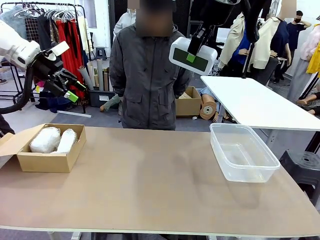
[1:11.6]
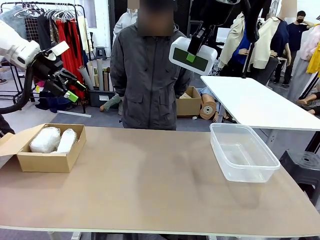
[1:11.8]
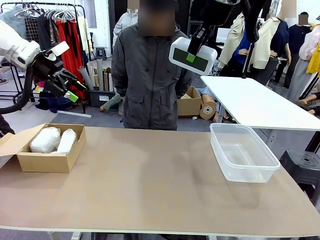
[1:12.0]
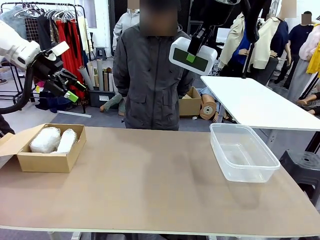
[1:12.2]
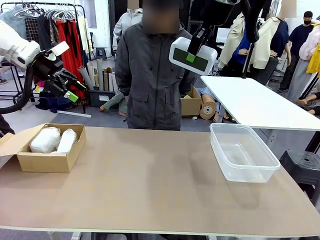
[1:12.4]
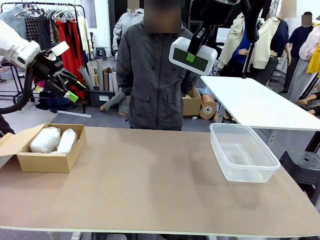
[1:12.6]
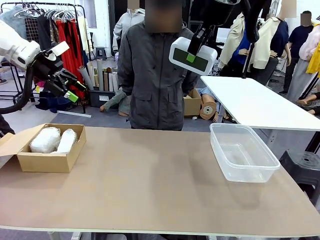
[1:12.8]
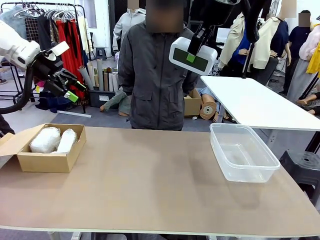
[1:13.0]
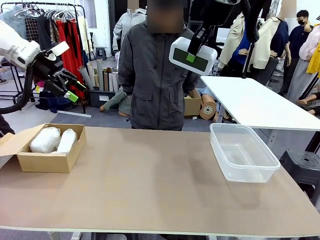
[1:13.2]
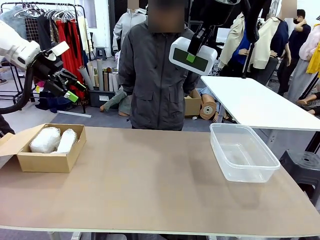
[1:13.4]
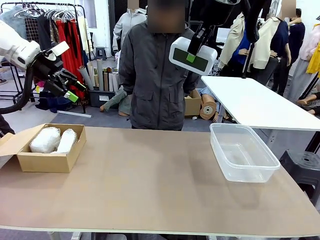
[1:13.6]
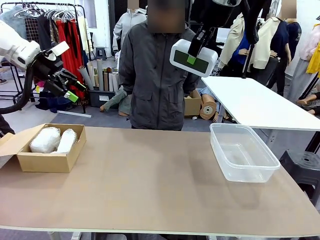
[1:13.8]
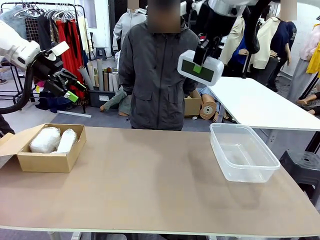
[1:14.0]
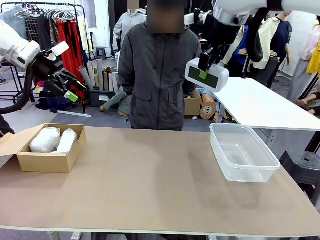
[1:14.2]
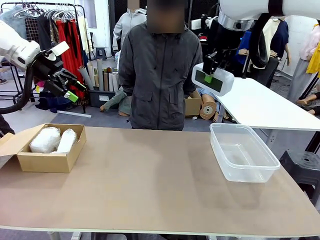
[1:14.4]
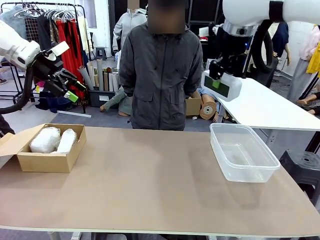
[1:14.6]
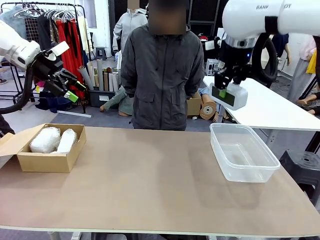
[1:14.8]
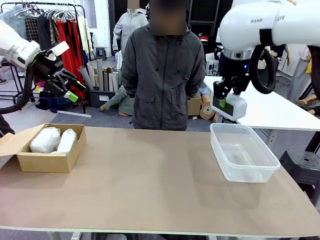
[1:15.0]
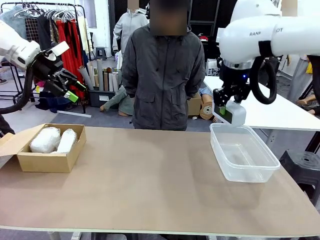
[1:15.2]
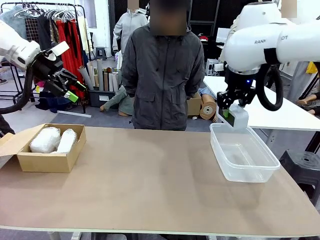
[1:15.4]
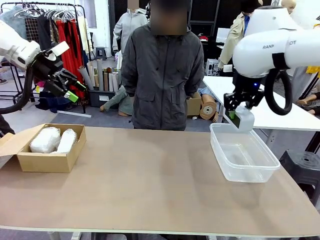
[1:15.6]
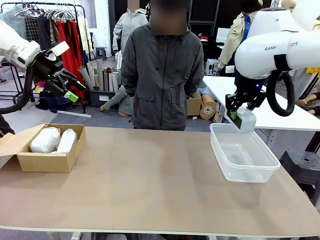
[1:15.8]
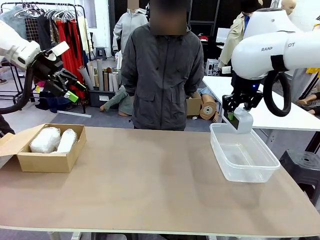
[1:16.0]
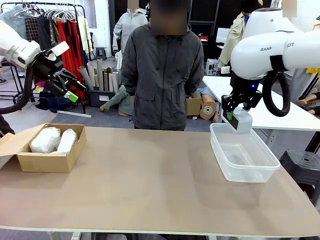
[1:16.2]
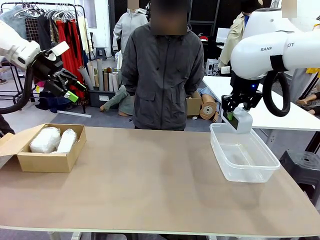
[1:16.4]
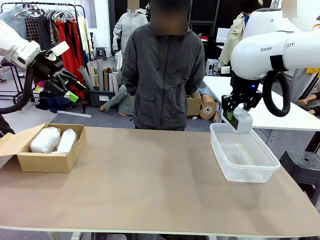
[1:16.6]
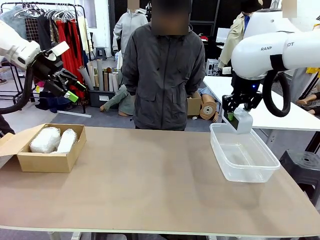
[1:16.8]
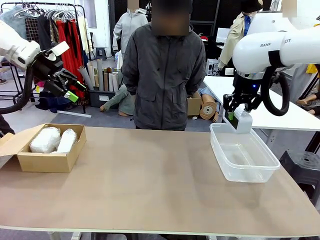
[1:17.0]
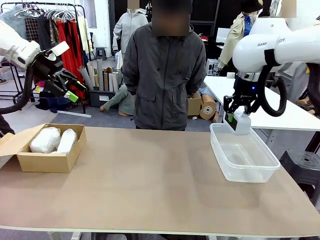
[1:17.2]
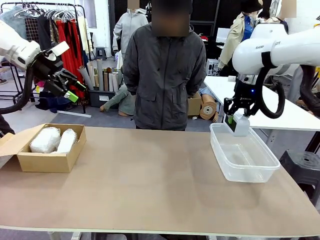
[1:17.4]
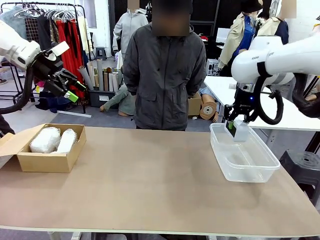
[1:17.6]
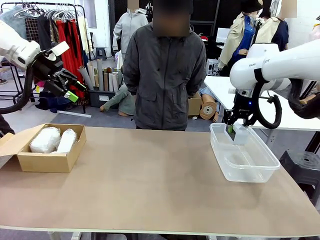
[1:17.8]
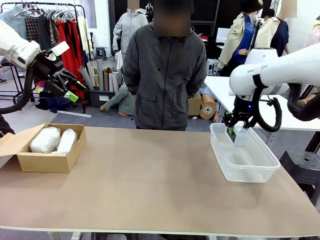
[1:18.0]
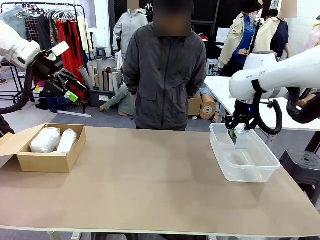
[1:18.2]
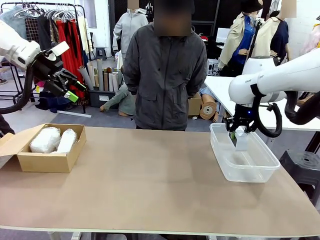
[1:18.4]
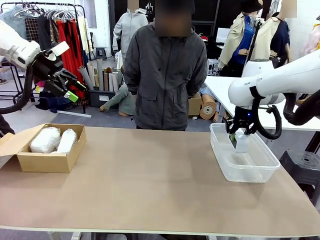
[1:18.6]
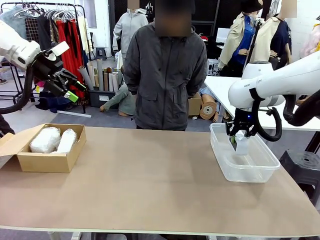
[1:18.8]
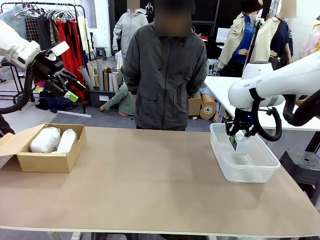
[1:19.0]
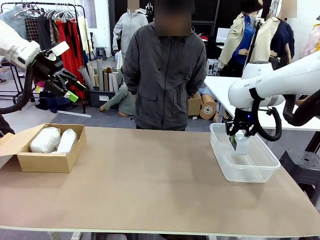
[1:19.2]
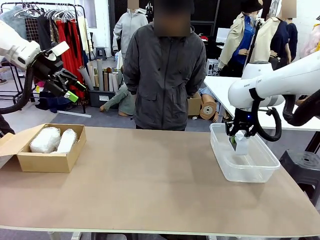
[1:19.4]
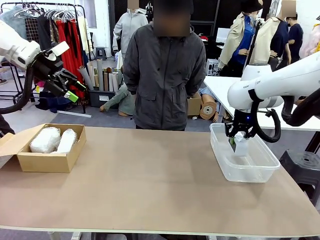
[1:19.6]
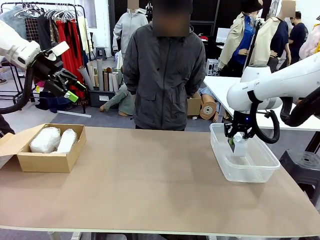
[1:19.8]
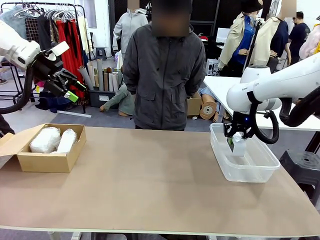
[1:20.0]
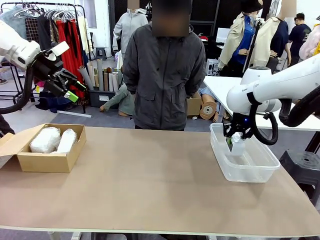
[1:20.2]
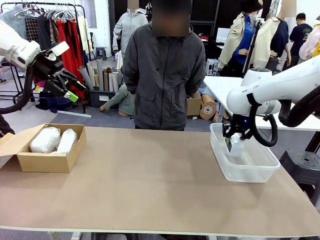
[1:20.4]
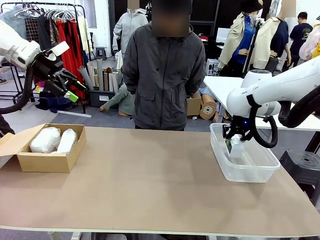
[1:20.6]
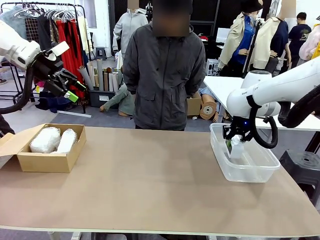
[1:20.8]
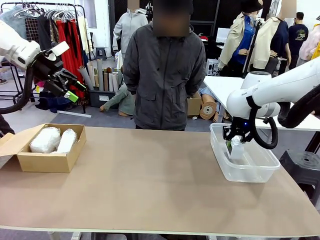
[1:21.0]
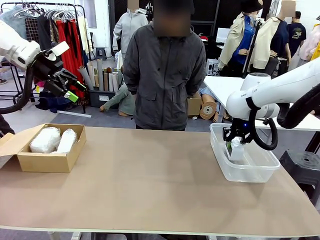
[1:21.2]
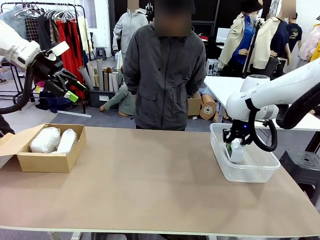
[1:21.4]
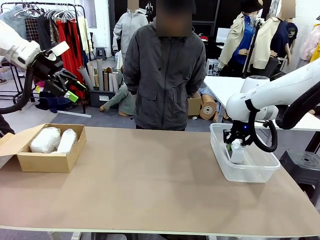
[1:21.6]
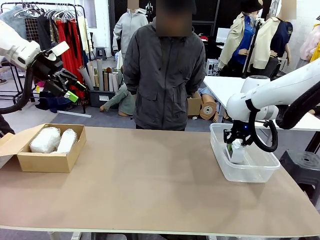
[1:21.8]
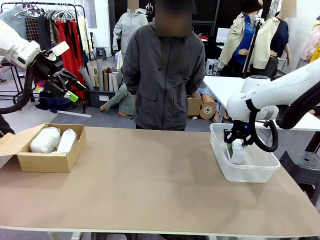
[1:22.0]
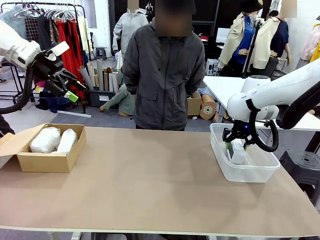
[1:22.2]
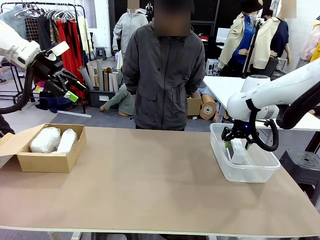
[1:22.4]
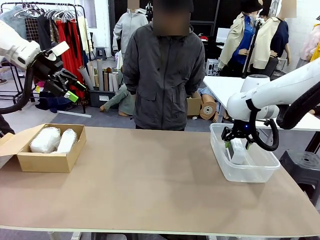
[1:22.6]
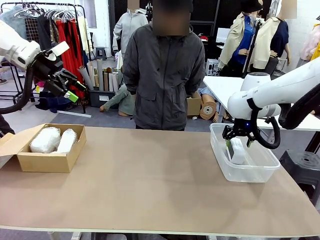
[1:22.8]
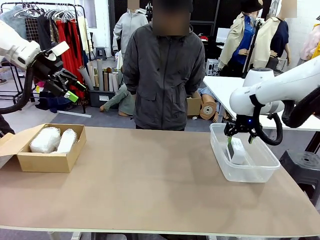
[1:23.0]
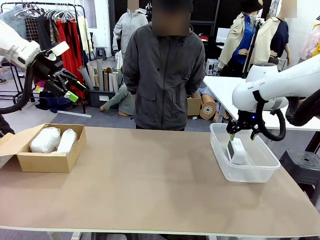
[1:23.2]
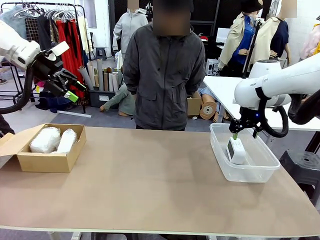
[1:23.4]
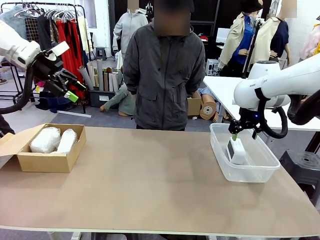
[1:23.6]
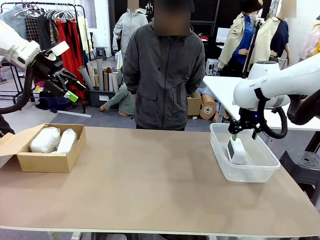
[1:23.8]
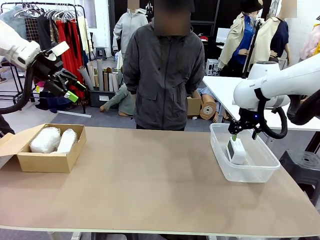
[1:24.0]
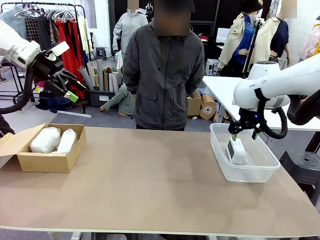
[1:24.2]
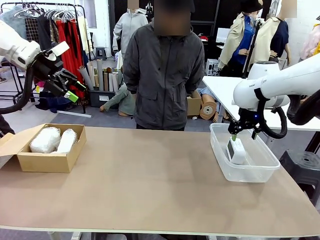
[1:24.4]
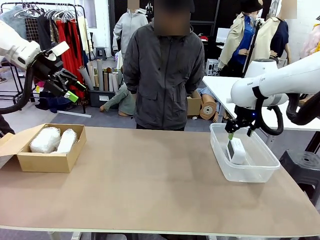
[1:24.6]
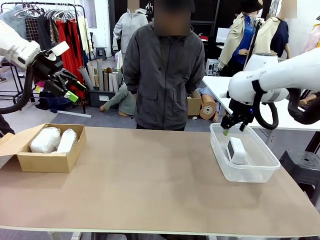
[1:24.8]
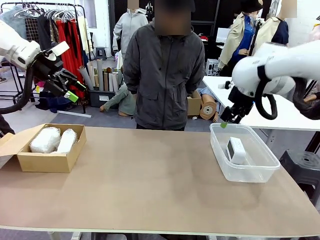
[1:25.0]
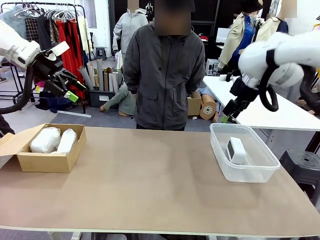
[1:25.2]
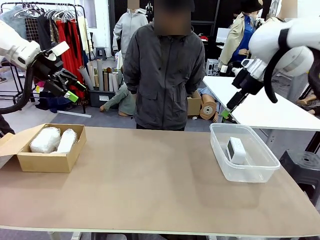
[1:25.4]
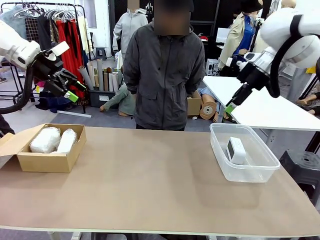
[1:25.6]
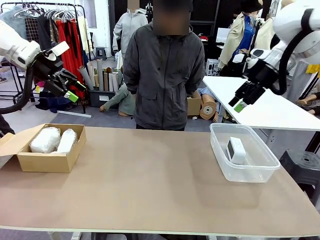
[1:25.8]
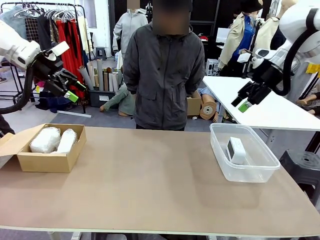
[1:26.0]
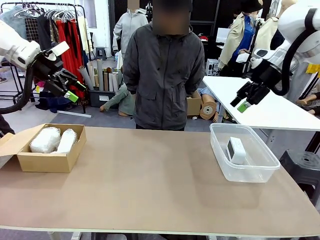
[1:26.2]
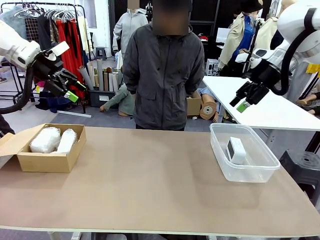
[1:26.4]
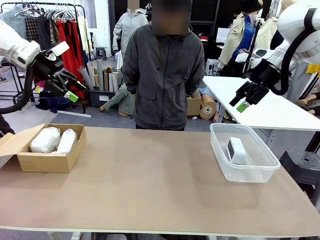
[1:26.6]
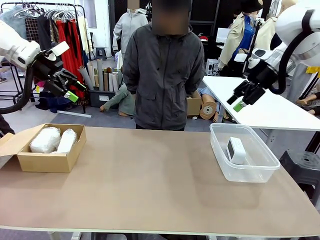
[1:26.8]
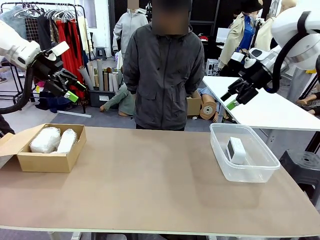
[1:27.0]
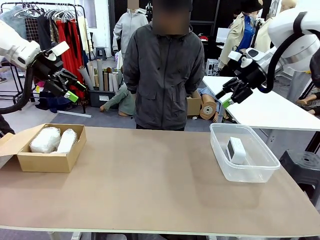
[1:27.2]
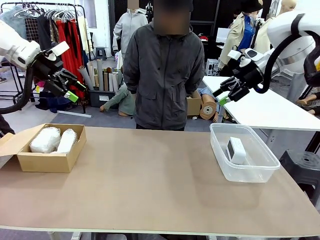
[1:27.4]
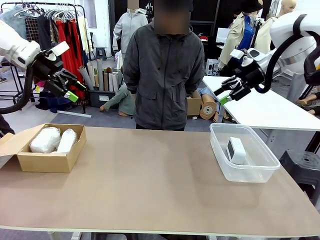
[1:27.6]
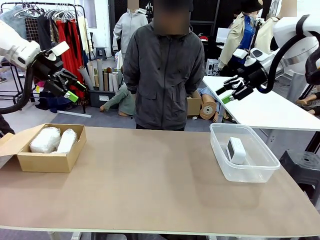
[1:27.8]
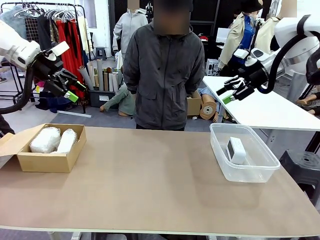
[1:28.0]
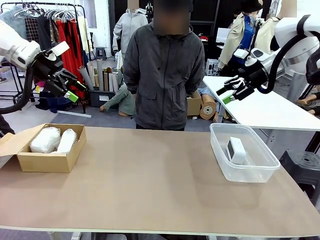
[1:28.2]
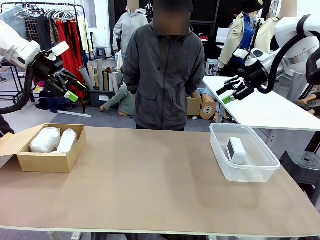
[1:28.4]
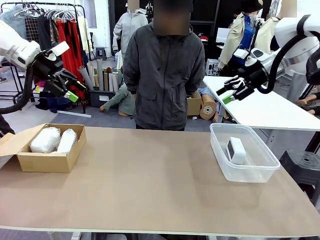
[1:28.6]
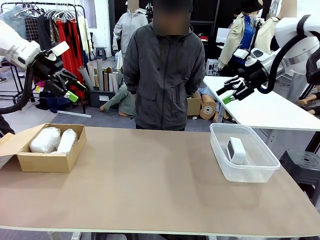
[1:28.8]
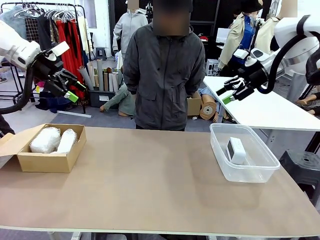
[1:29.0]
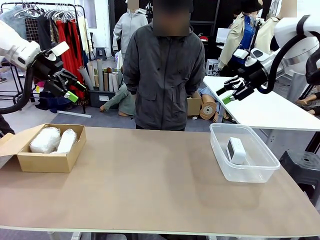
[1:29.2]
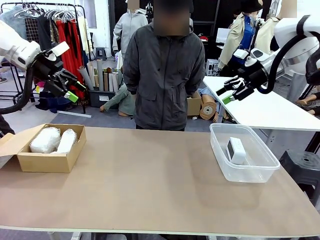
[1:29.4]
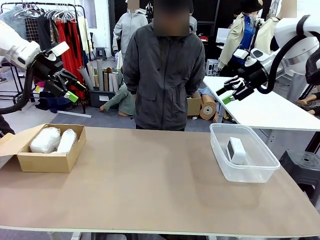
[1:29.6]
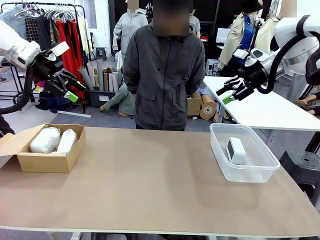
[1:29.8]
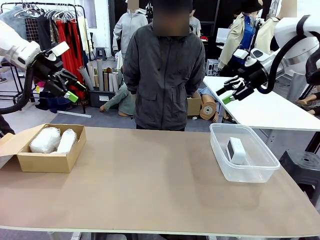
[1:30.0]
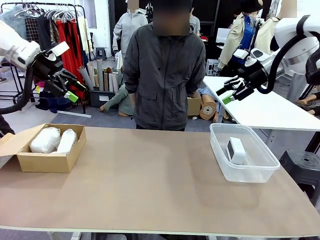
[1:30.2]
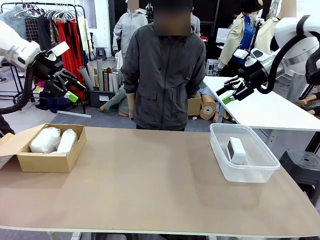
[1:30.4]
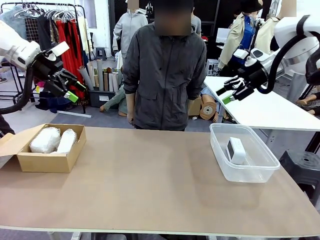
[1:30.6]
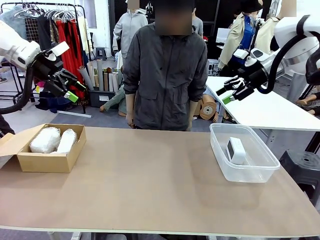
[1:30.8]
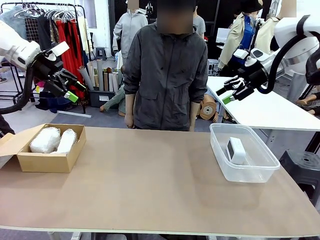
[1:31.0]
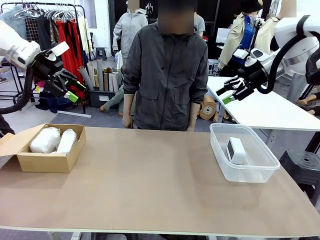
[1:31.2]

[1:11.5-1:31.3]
Task: Separate and place wrapped and unwrapped clocks.
Robot: If the picked Digital clock is wrapped, place it in the Package Box ; if not, place it in the Organizing box.
